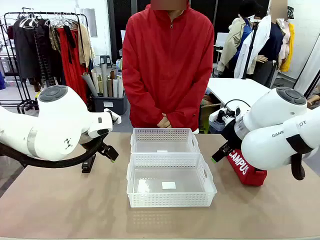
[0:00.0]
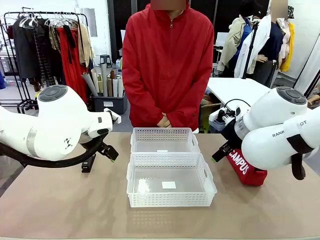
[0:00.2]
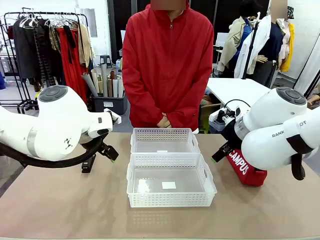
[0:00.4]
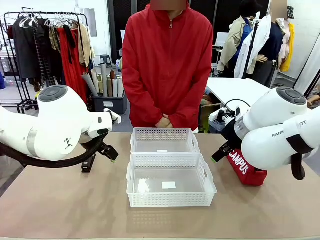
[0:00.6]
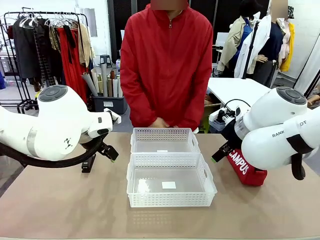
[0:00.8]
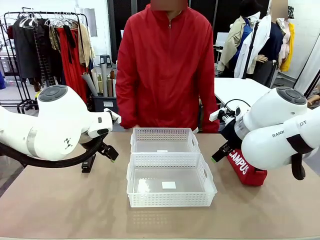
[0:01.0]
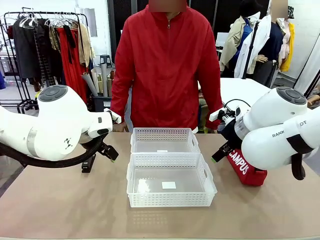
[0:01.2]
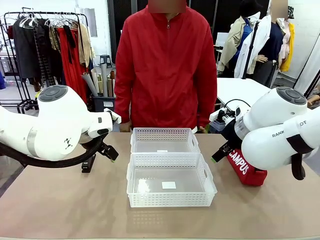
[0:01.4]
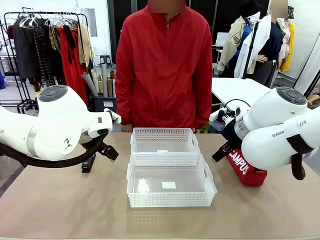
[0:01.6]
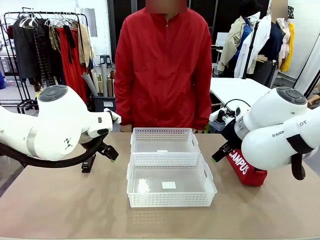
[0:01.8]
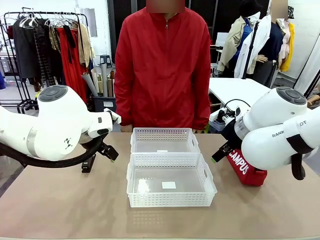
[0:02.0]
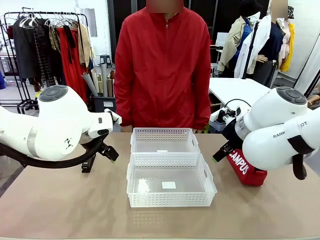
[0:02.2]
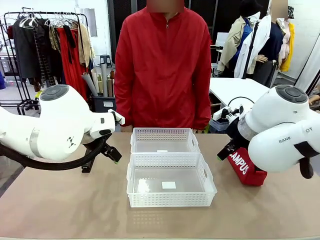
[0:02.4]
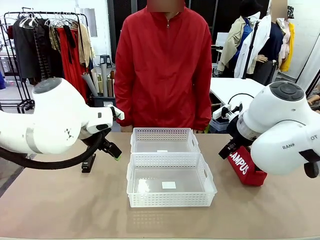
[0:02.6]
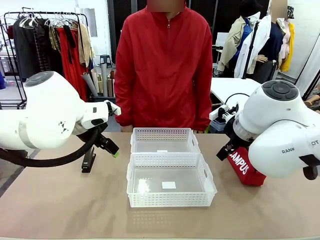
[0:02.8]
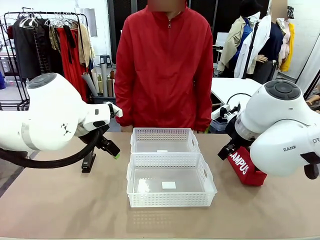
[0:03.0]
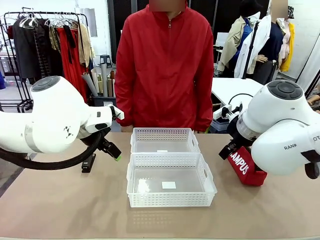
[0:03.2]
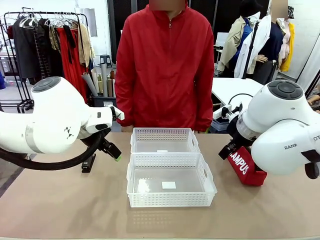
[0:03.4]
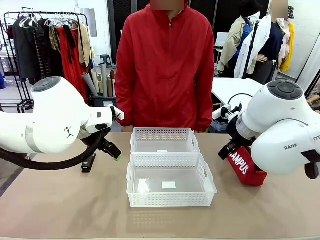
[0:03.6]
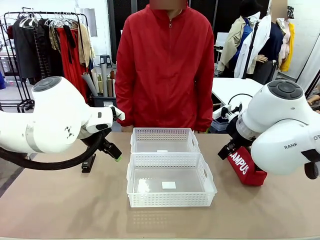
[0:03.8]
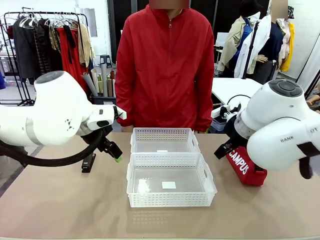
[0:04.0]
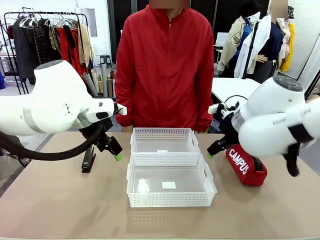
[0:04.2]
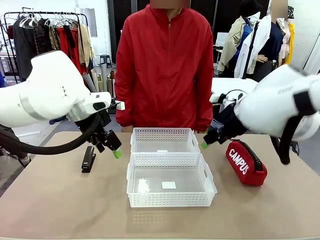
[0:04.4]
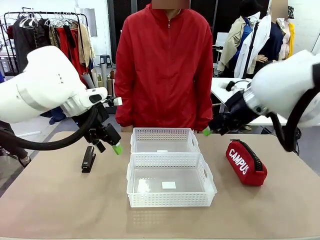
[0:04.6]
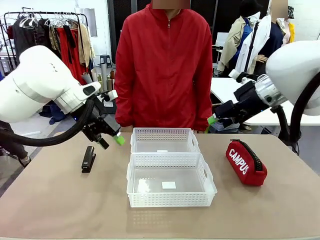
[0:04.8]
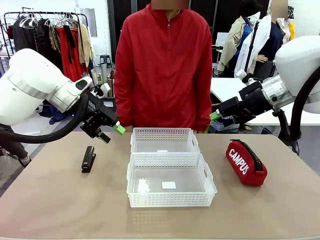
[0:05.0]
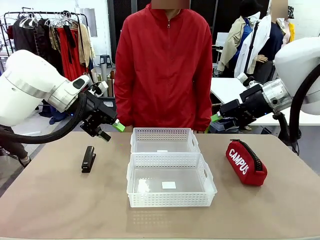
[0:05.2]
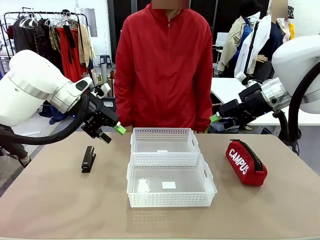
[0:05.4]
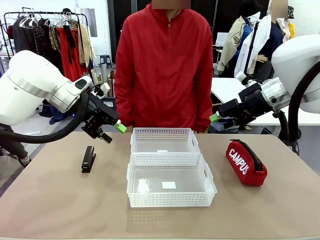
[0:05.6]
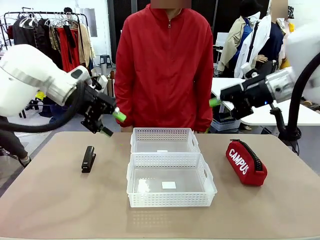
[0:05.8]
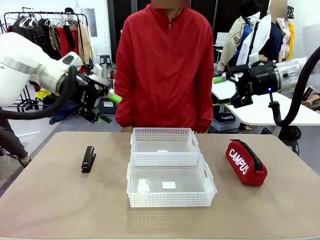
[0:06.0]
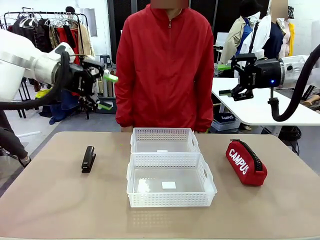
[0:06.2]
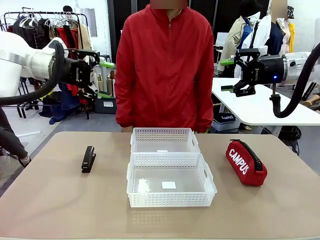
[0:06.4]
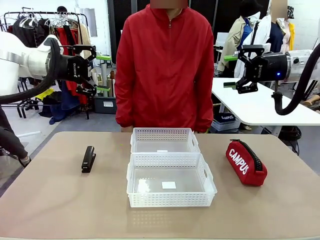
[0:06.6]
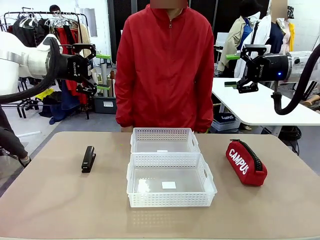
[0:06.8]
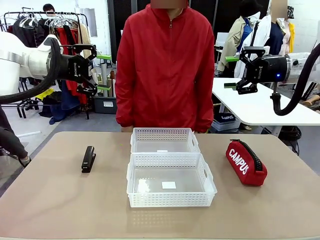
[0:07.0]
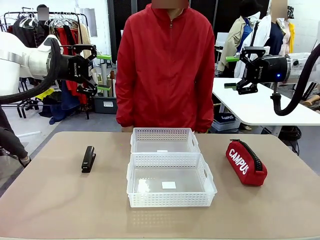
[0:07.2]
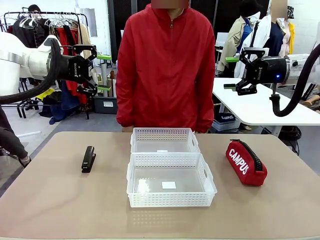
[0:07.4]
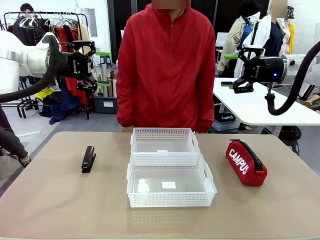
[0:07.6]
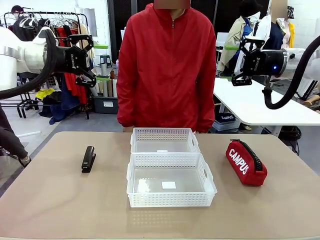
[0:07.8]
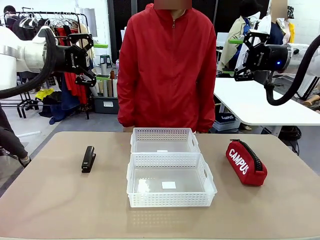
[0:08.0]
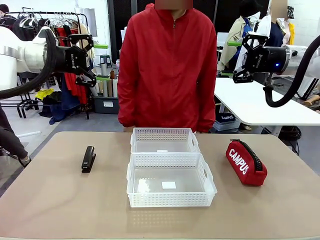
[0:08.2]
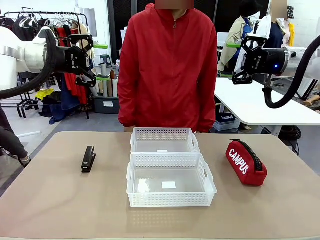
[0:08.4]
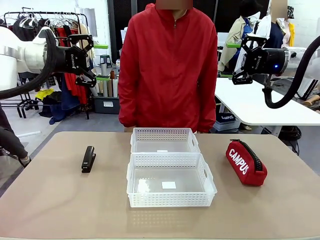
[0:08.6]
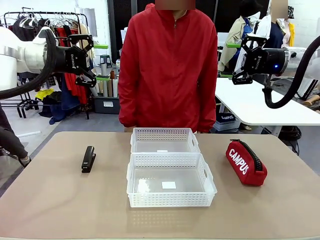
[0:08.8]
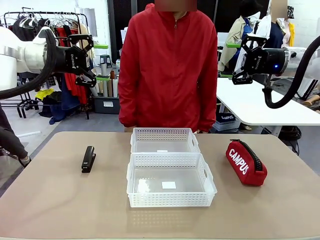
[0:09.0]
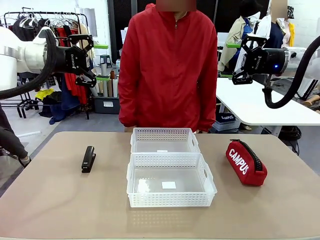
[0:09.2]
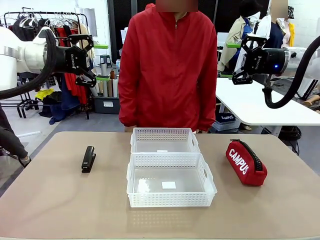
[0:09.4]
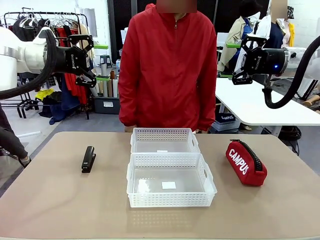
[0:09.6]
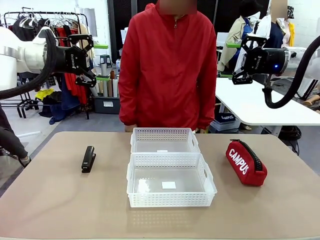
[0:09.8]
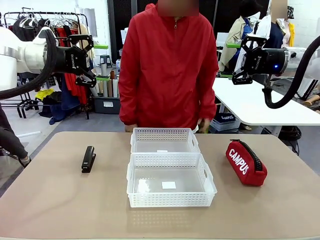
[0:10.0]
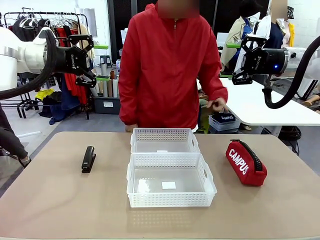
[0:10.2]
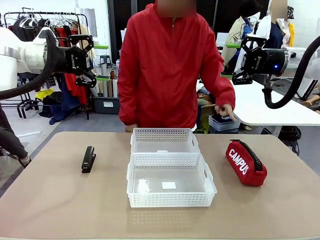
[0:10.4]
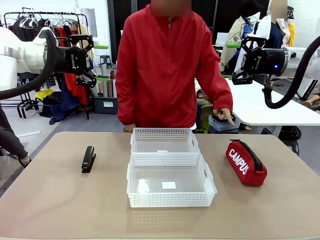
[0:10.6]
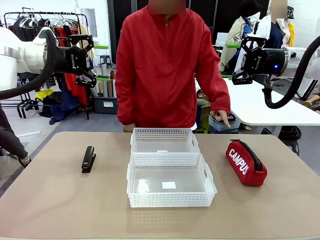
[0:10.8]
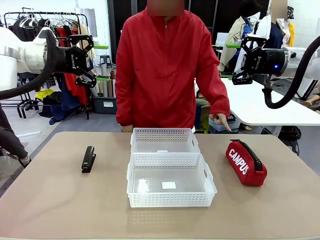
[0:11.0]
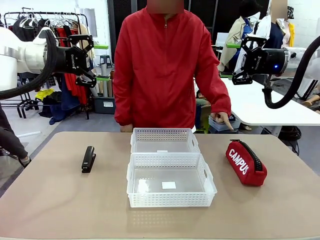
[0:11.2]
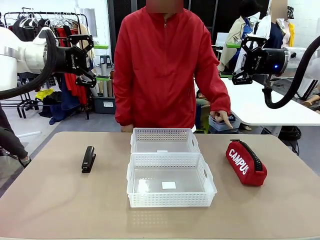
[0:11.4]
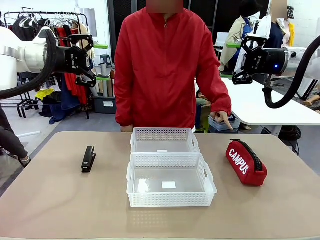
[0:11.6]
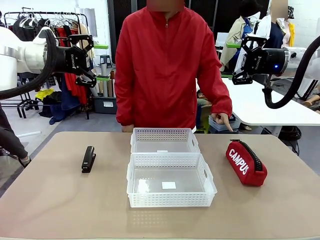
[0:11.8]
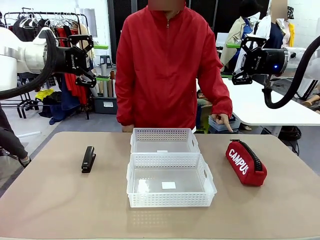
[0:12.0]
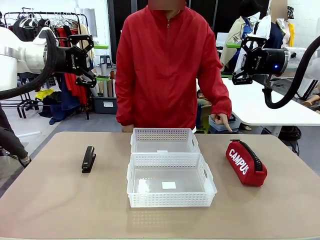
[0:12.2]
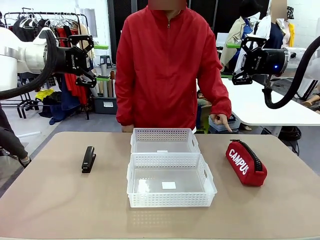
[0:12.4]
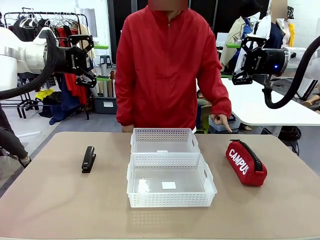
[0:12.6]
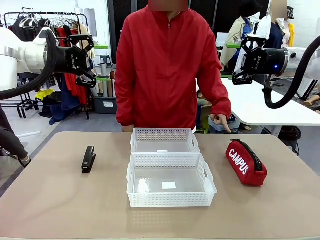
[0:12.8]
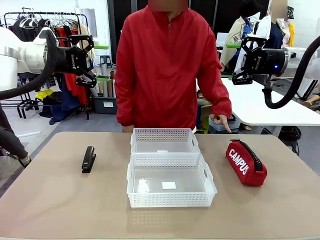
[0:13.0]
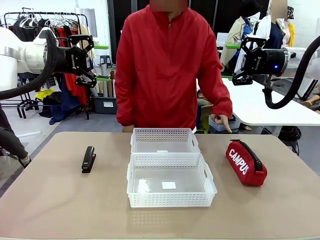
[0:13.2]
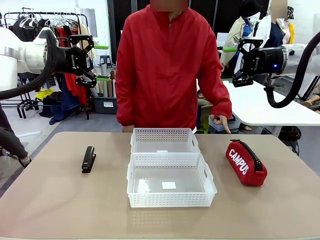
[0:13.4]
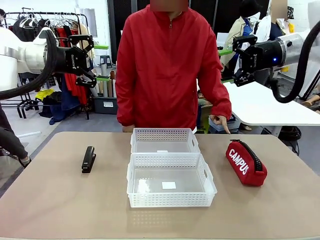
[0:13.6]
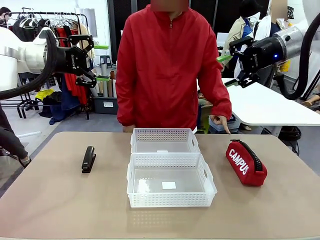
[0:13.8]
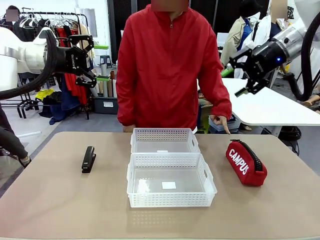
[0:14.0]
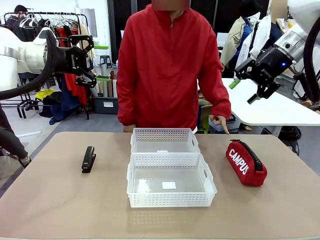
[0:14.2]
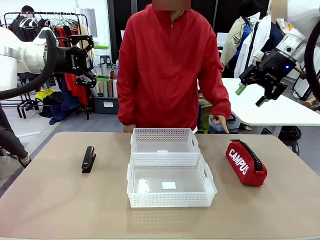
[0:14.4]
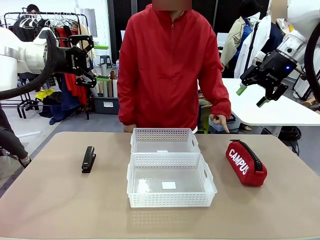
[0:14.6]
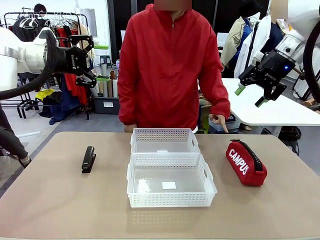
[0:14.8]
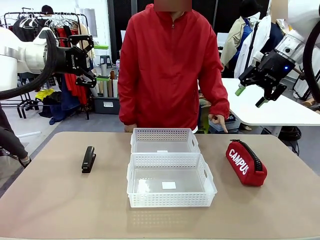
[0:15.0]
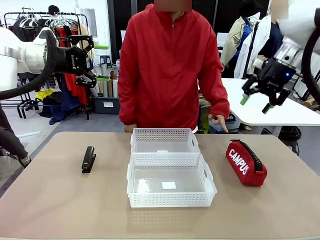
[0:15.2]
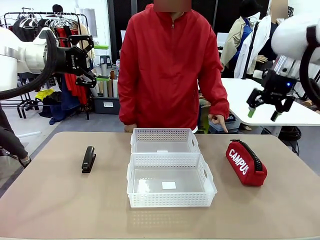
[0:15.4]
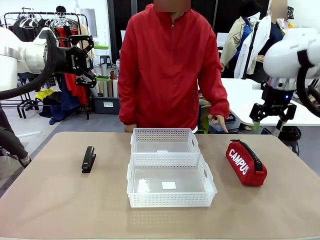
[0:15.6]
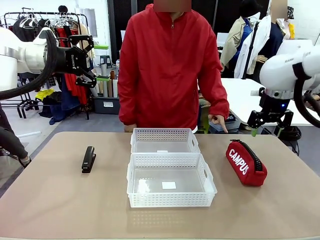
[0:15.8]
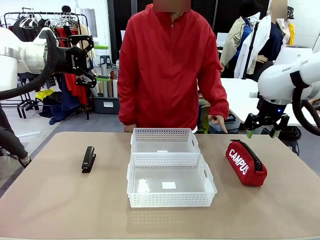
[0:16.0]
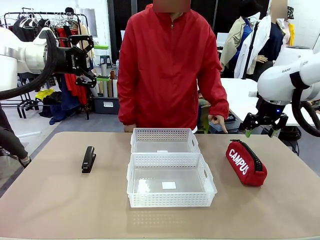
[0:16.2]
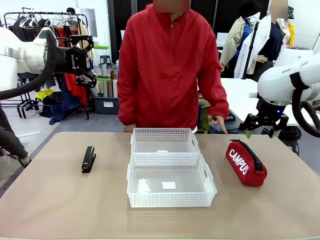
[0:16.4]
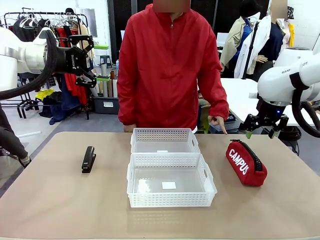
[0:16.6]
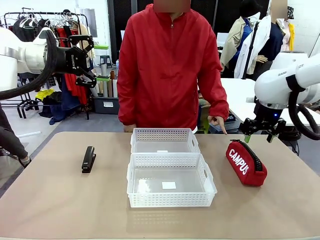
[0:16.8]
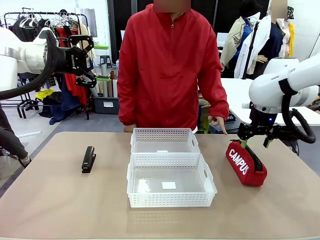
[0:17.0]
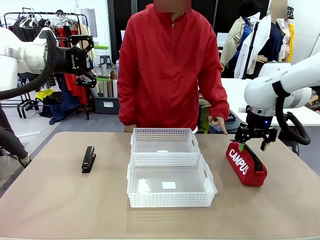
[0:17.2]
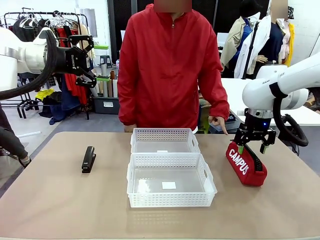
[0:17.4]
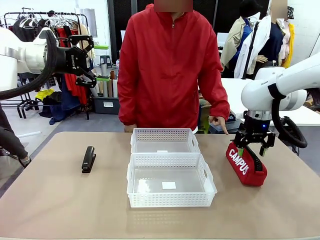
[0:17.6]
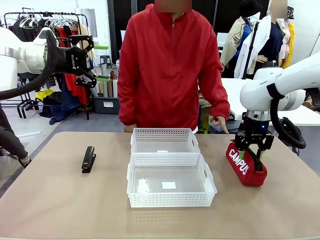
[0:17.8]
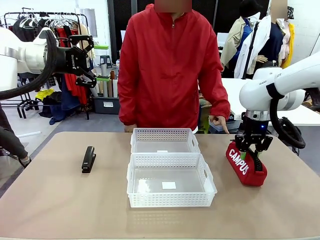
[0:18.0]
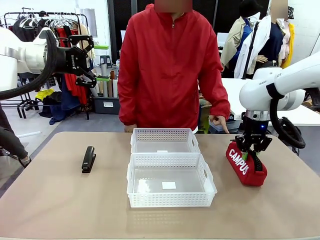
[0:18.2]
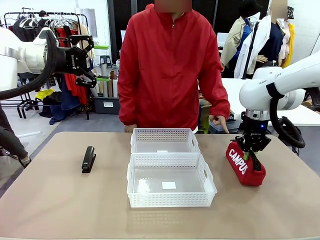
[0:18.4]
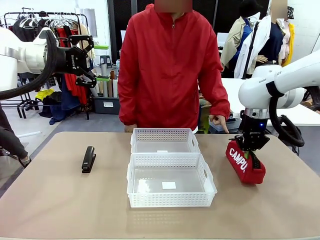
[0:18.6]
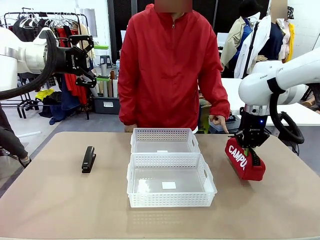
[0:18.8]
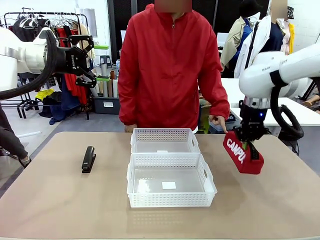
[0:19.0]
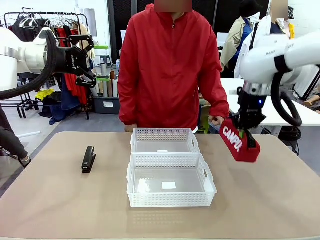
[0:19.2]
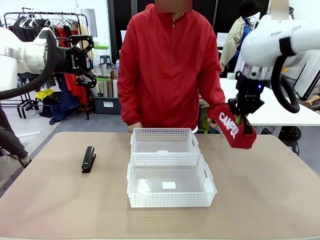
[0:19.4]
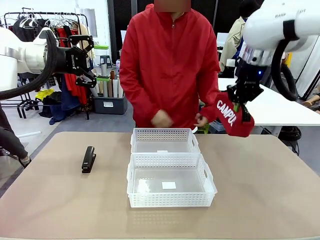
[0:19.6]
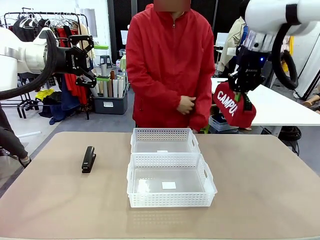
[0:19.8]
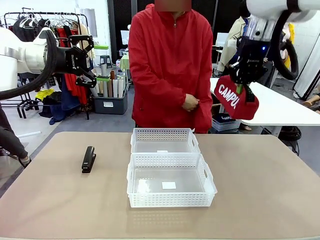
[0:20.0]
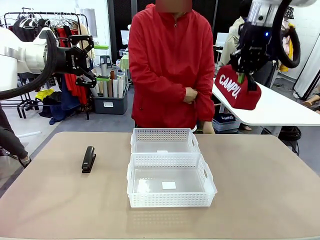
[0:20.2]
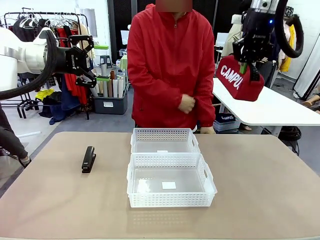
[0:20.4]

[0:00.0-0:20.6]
Task: Distribute items into two baskets.
Robot: Pick up the Pencil pouch that the person points to.
Person: Points to the pencil case. Points between the two organizing baskets and instructs the robot to move the pencil case.
